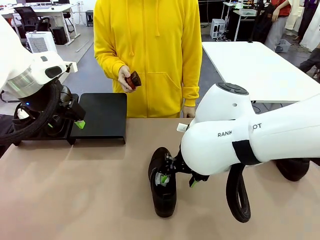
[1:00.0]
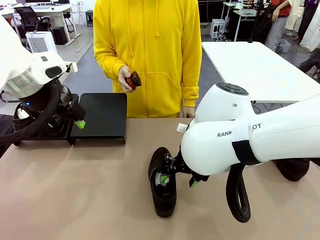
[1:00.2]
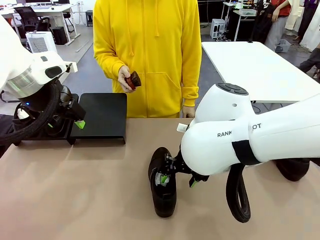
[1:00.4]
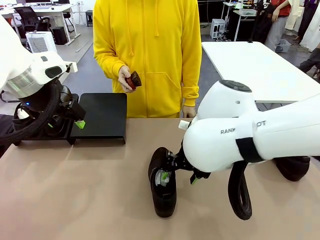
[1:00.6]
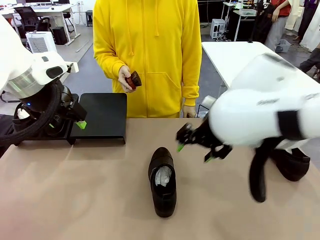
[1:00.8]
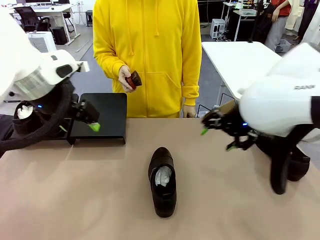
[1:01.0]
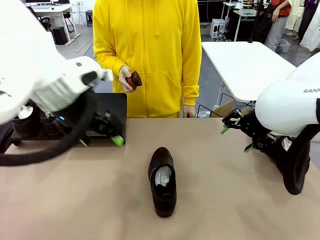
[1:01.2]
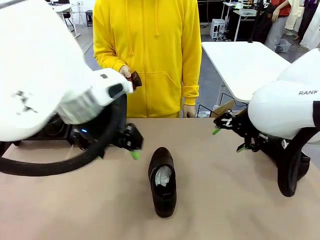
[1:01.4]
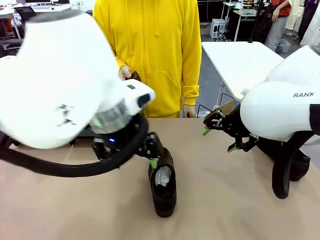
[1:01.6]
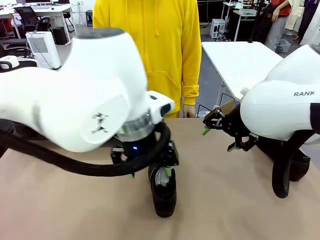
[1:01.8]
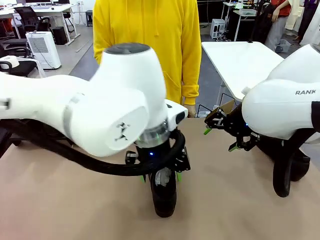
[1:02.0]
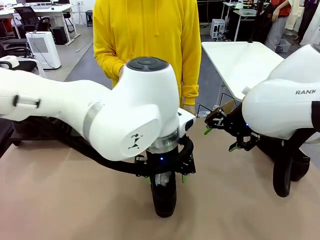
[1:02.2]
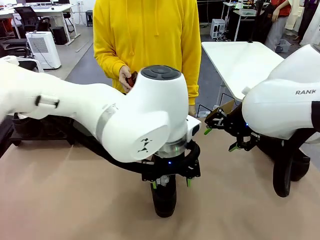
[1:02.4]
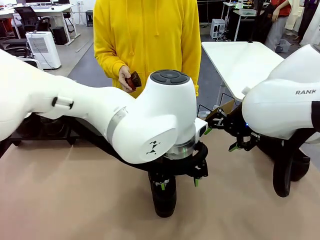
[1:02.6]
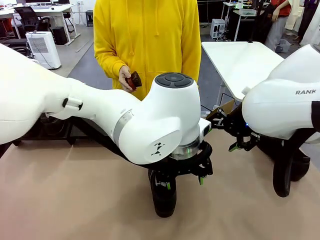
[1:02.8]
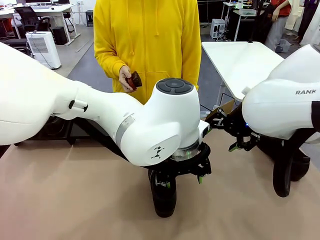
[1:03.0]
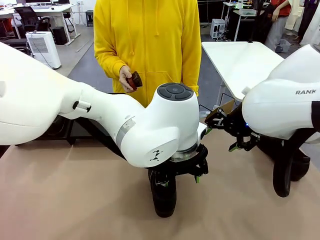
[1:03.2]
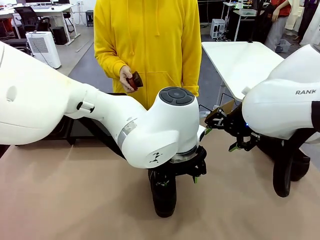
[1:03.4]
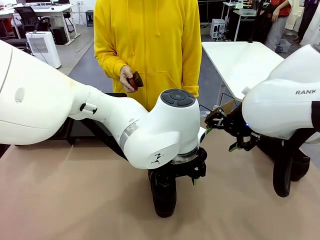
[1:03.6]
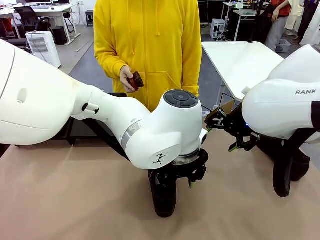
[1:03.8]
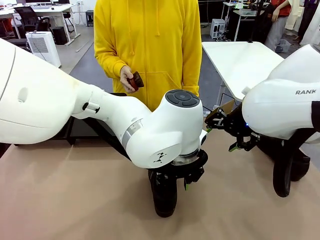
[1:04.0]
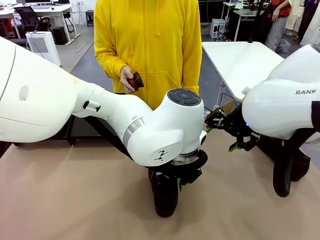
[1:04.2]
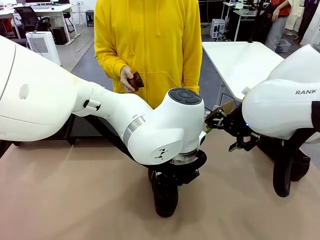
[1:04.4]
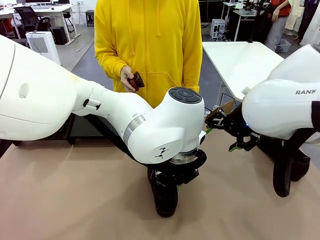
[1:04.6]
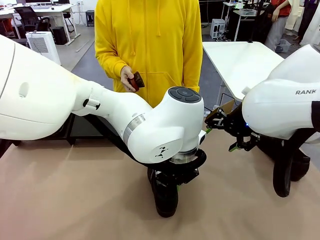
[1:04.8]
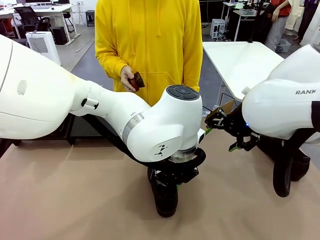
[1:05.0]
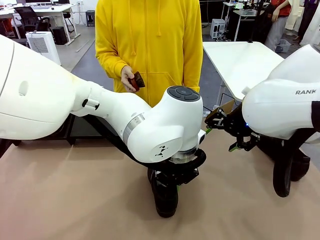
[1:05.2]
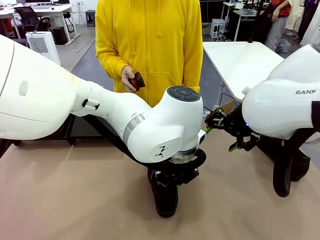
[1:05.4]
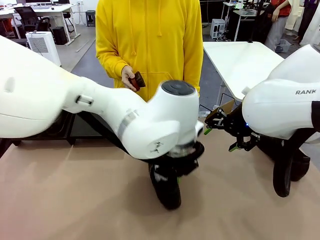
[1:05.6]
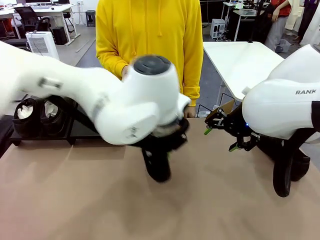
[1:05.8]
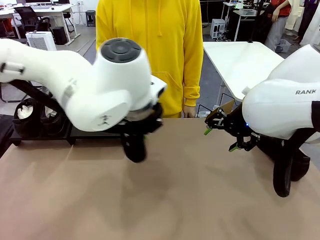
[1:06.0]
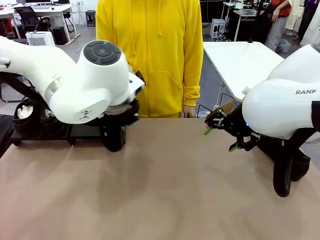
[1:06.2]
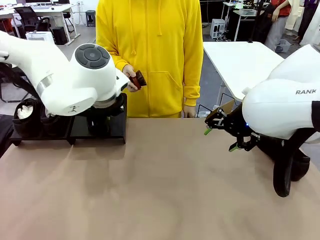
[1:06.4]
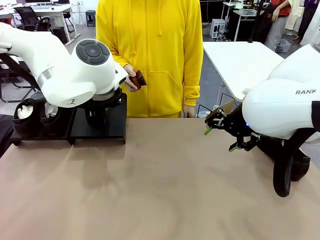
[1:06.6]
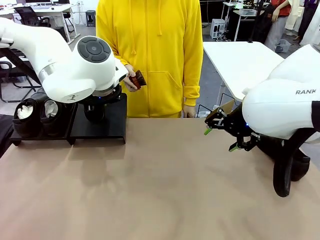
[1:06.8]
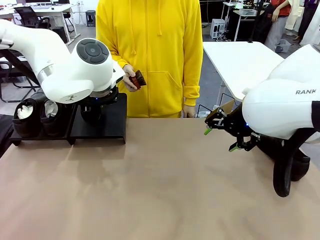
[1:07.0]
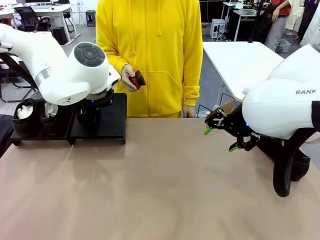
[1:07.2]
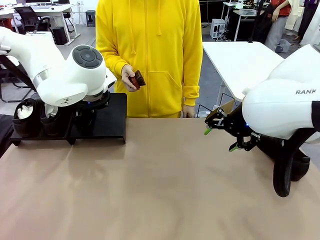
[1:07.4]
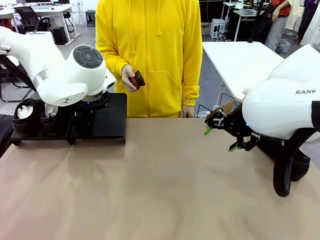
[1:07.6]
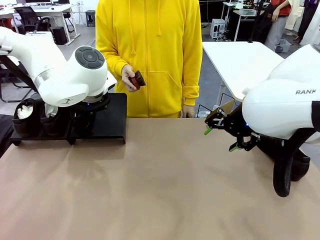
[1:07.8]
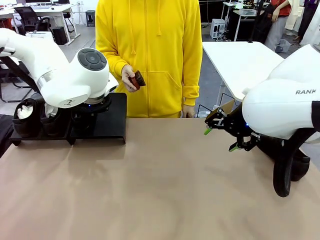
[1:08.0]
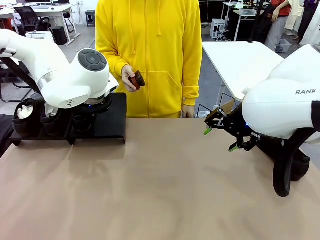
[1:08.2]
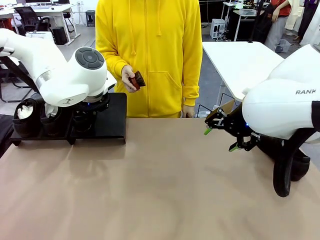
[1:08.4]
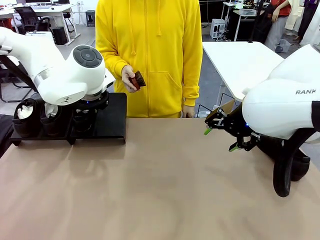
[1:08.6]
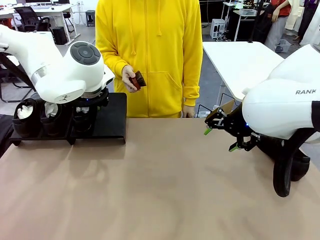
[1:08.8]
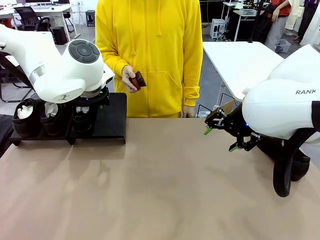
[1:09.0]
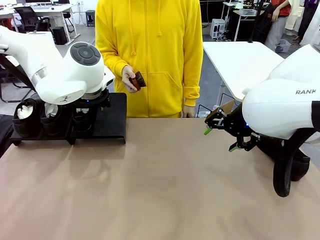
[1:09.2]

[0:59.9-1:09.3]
Task: Organize the shoes by placing them on the stand.
Robot: Place the Shoe from the middle of the table onto the Shoes Stand.

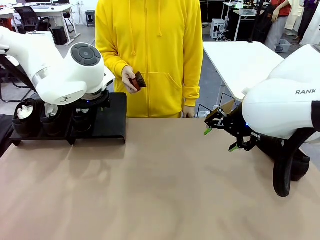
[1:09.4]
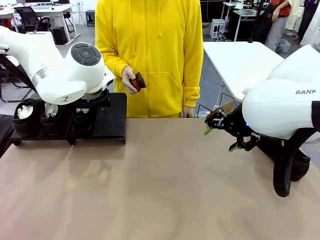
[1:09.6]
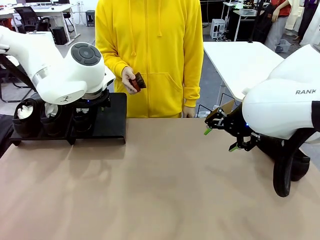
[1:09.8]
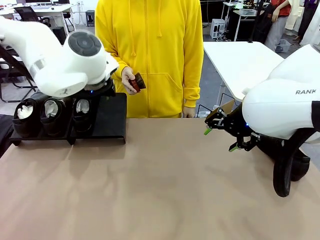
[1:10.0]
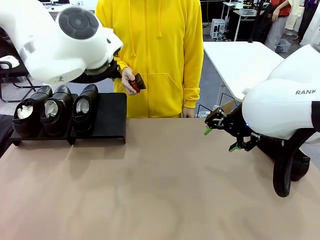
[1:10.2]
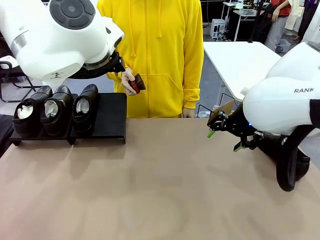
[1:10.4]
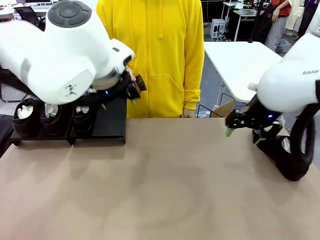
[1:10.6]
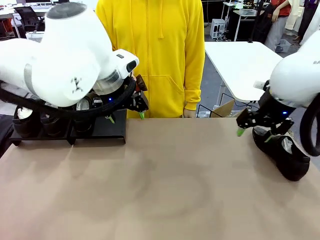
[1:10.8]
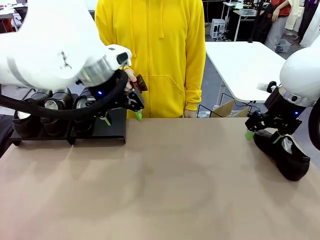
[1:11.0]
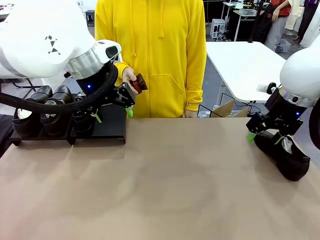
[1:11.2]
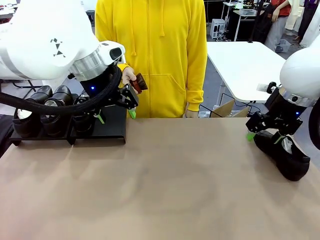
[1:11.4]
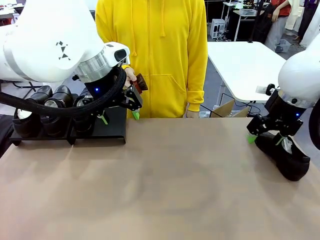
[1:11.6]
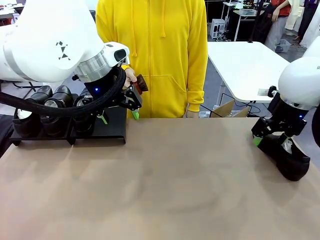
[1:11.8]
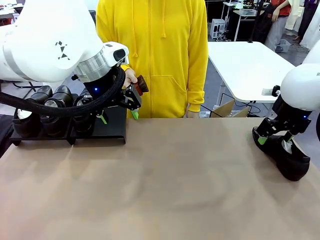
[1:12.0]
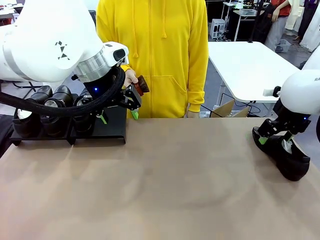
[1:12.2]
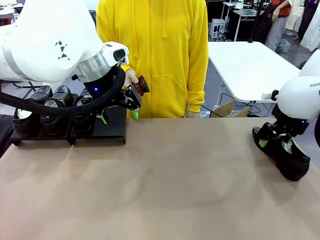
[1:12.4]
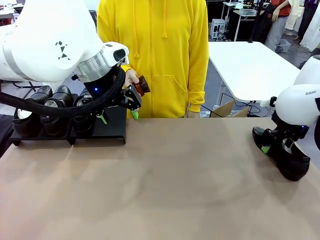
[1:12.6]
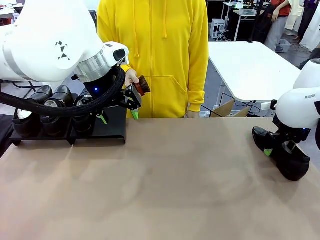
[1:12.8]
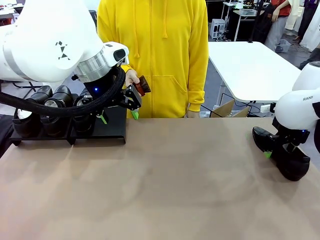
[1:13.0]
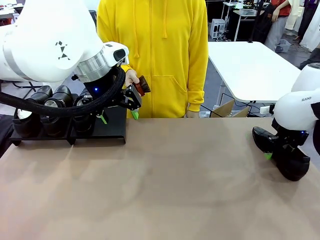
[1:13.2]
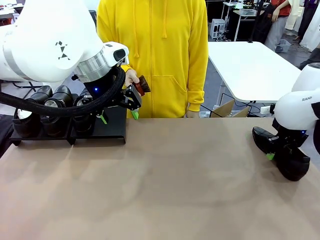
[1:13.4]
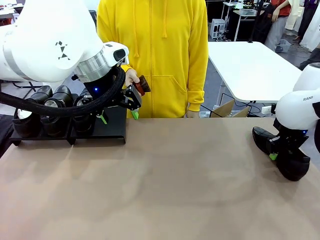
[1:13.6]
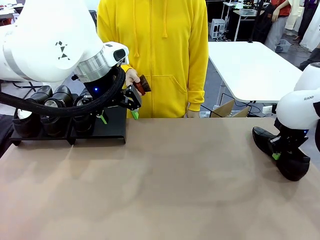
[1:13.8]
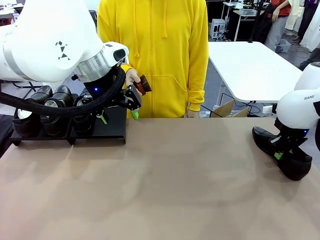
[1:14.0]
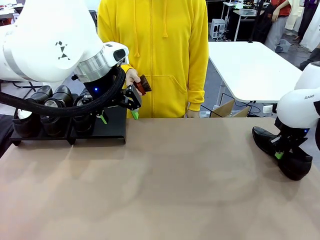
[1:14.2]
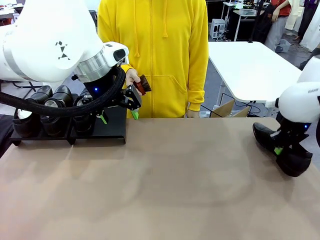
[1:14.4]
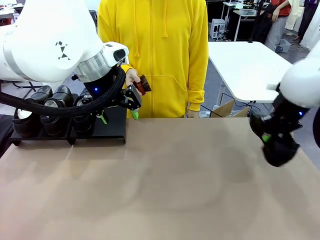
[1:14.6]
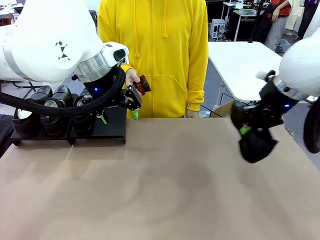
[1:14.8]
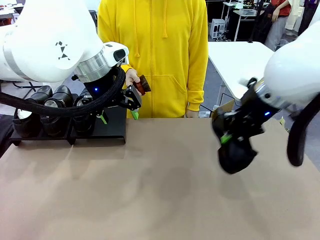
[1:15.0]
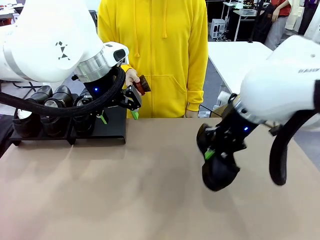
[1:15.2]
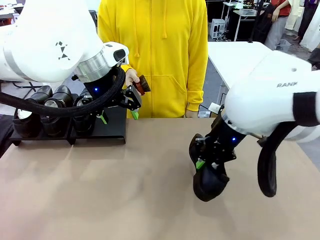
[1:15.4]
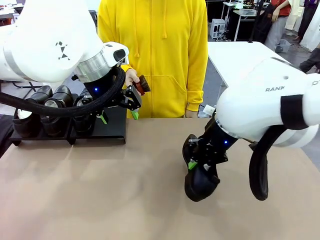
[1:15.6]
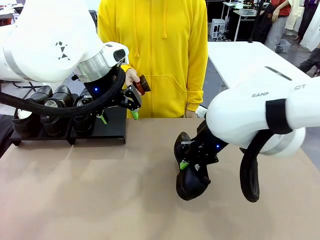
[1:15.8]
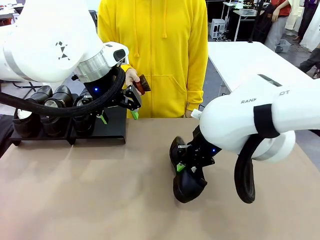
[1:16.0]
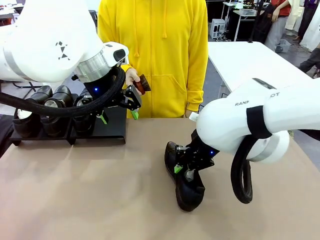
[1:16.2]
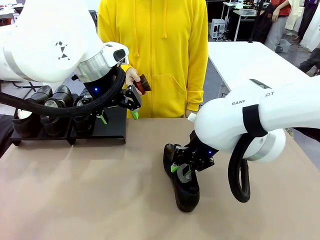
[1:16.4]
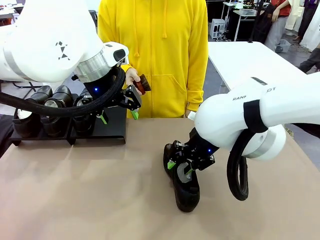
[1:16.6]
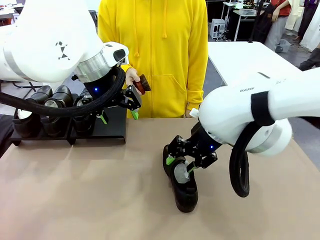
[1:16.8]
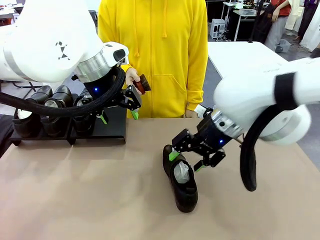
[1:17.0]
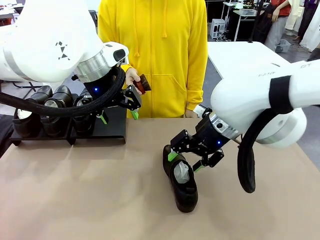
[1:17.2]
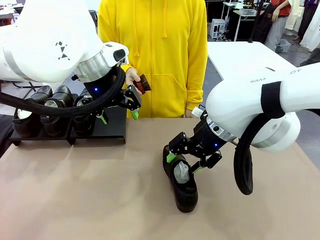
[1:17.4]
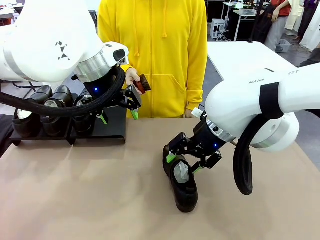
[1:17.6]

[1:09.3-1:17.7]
Robot: Pick up one Shoe and place it in the middle of the table.
